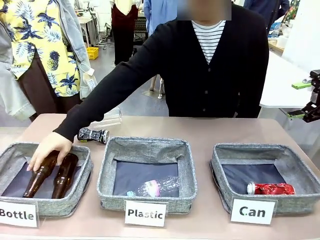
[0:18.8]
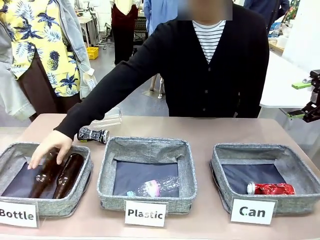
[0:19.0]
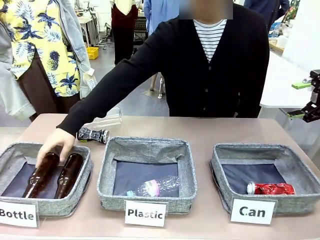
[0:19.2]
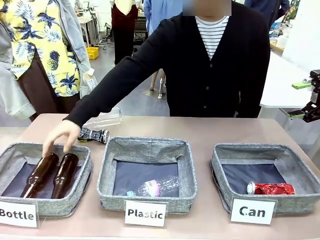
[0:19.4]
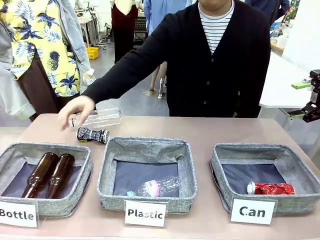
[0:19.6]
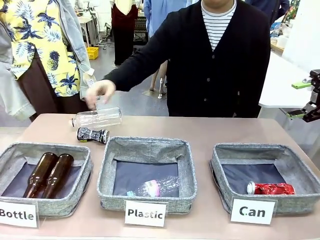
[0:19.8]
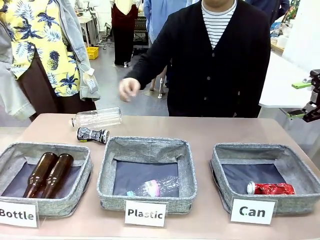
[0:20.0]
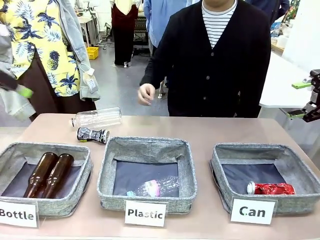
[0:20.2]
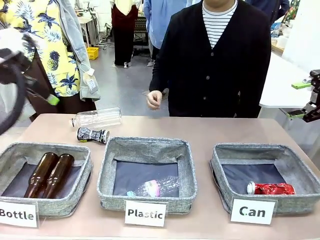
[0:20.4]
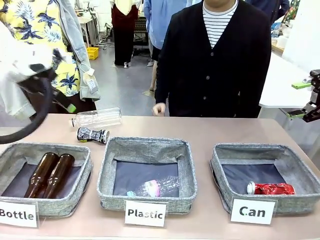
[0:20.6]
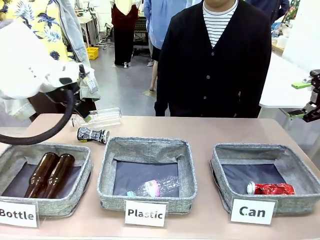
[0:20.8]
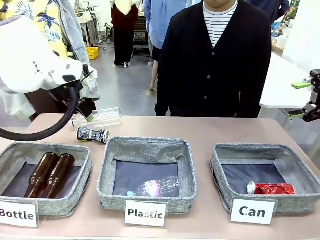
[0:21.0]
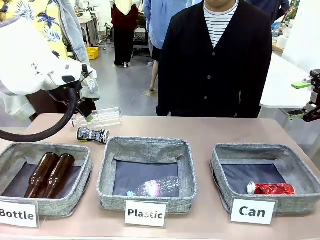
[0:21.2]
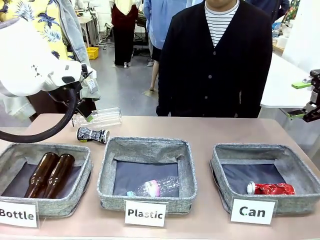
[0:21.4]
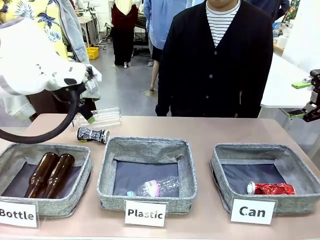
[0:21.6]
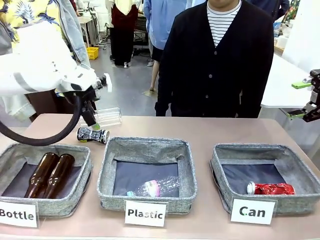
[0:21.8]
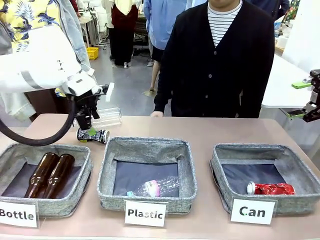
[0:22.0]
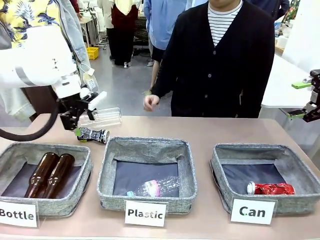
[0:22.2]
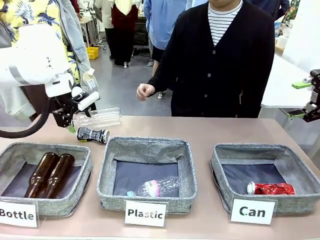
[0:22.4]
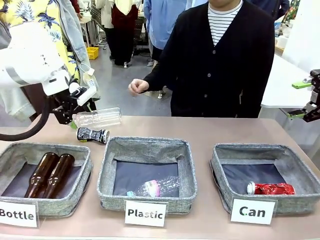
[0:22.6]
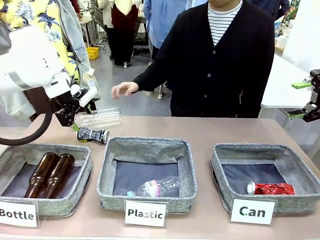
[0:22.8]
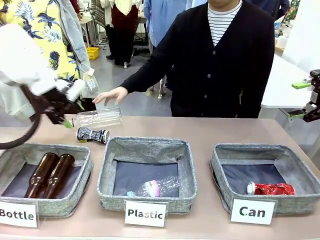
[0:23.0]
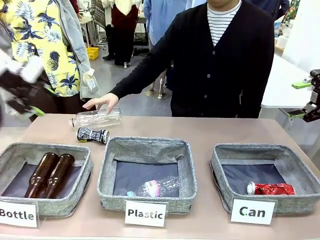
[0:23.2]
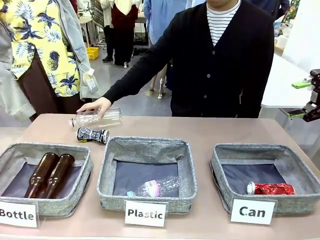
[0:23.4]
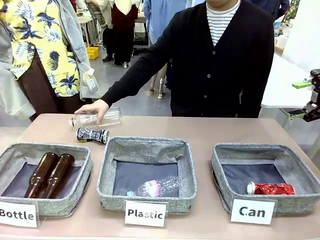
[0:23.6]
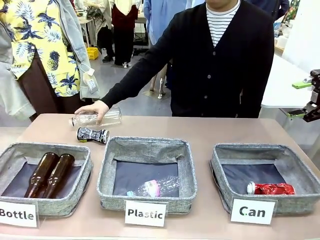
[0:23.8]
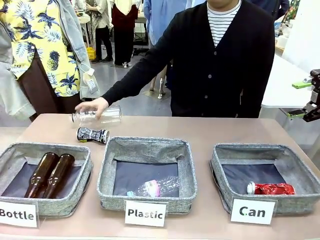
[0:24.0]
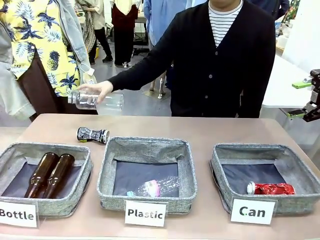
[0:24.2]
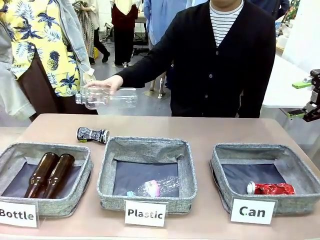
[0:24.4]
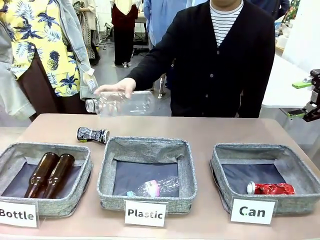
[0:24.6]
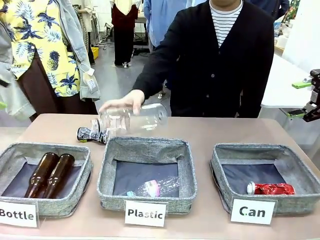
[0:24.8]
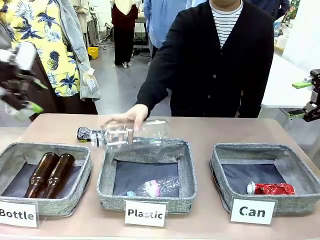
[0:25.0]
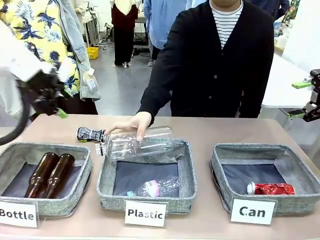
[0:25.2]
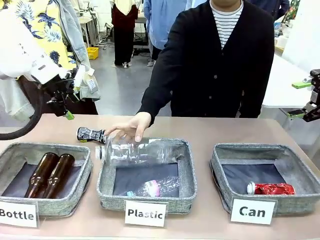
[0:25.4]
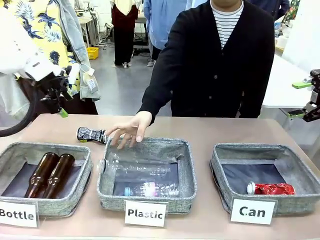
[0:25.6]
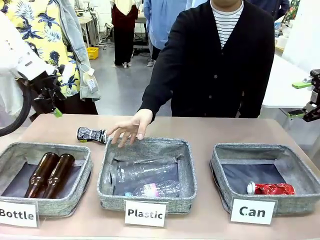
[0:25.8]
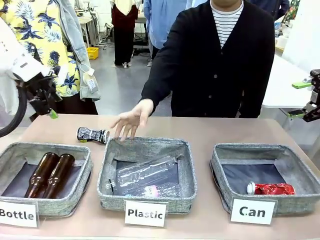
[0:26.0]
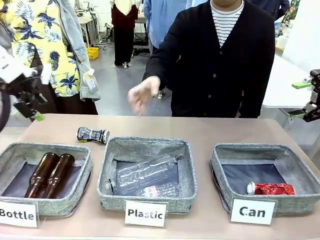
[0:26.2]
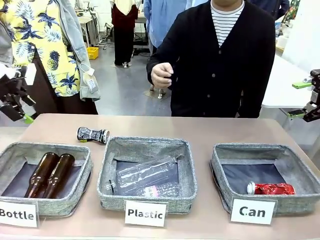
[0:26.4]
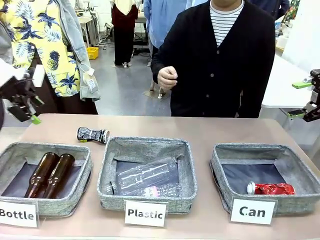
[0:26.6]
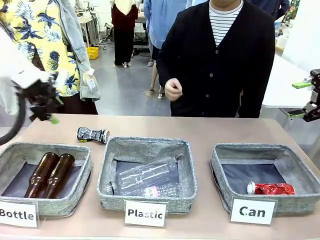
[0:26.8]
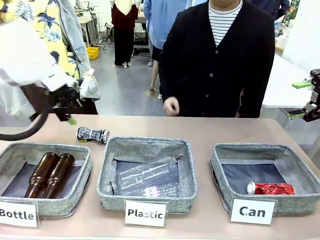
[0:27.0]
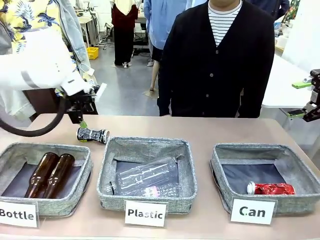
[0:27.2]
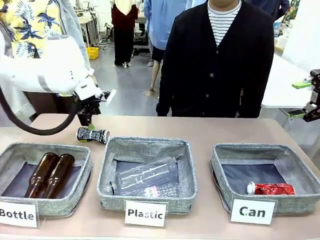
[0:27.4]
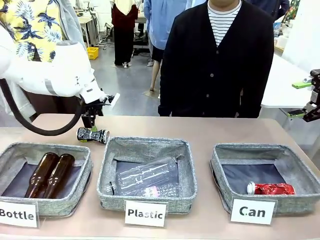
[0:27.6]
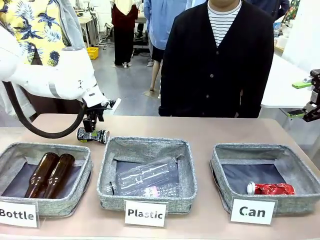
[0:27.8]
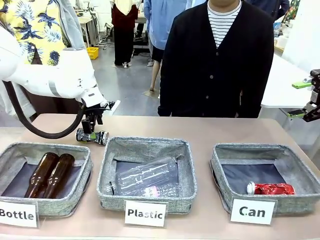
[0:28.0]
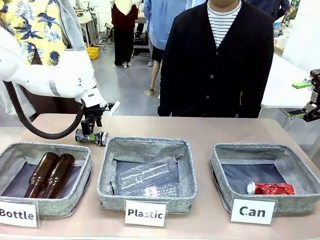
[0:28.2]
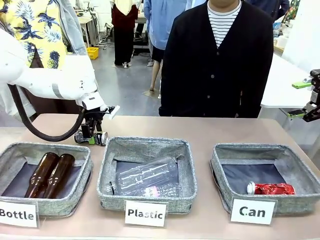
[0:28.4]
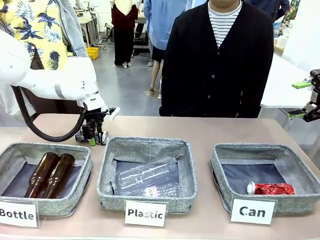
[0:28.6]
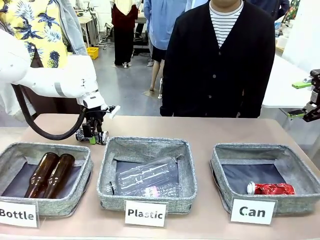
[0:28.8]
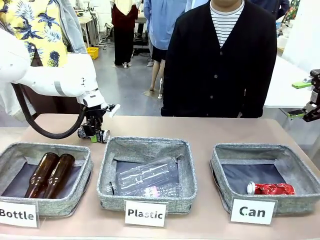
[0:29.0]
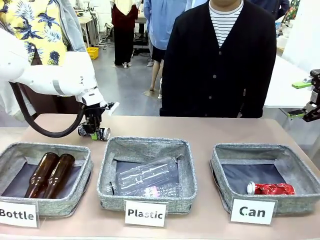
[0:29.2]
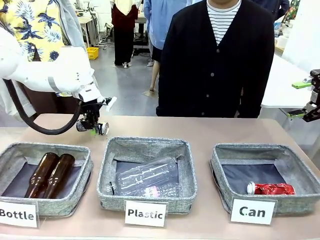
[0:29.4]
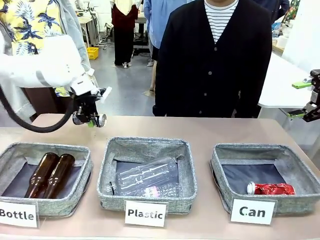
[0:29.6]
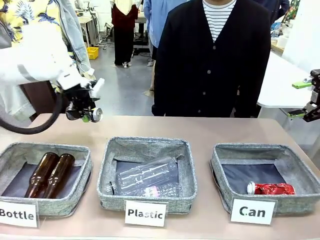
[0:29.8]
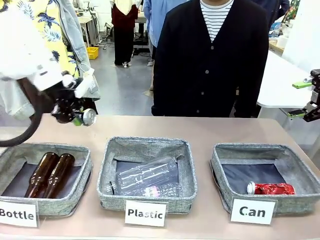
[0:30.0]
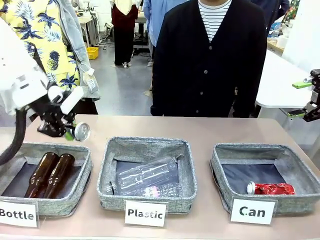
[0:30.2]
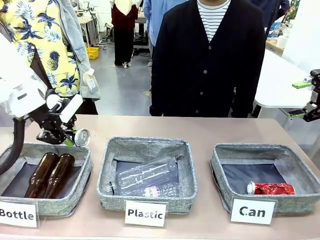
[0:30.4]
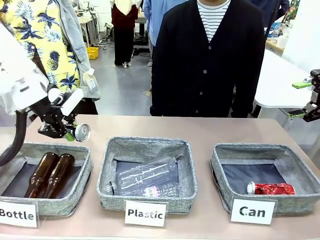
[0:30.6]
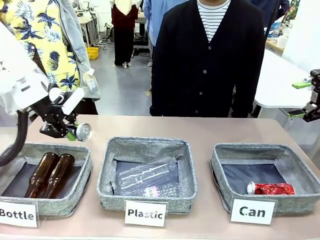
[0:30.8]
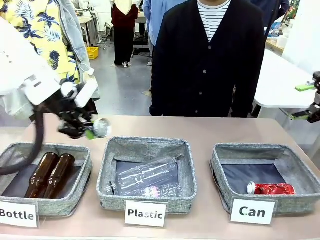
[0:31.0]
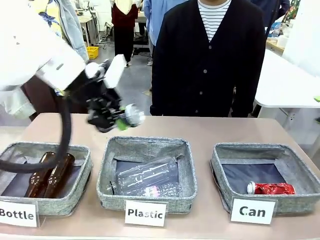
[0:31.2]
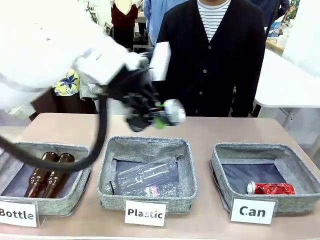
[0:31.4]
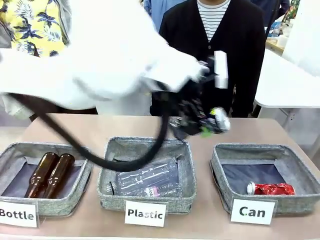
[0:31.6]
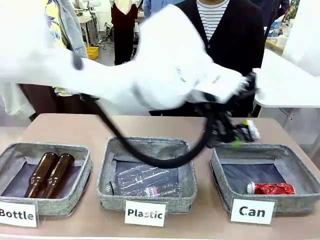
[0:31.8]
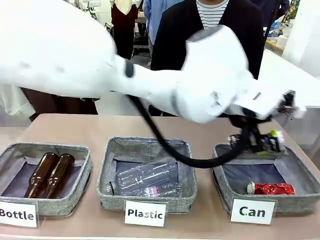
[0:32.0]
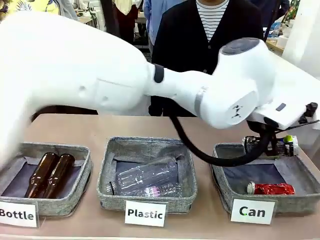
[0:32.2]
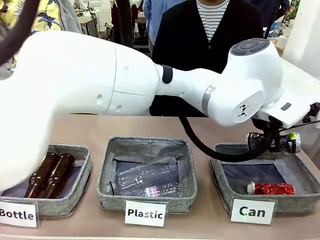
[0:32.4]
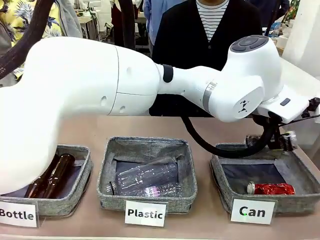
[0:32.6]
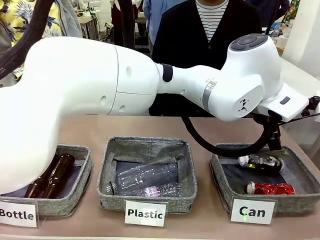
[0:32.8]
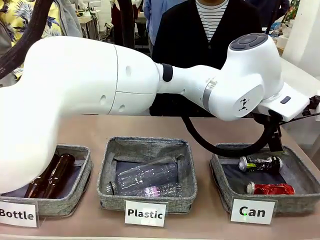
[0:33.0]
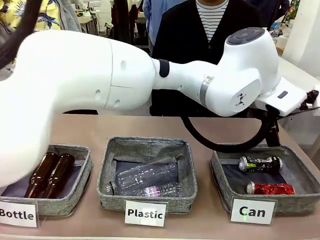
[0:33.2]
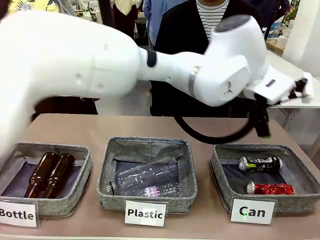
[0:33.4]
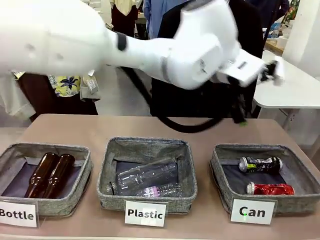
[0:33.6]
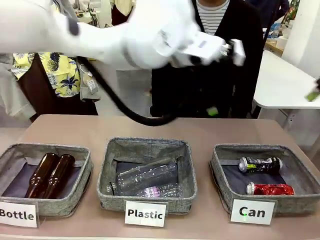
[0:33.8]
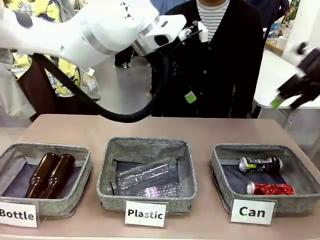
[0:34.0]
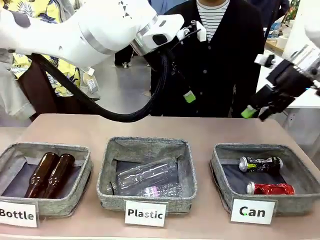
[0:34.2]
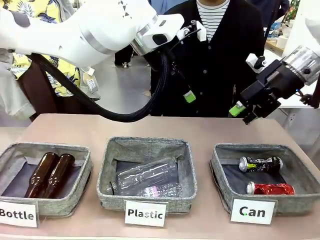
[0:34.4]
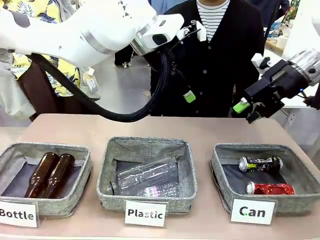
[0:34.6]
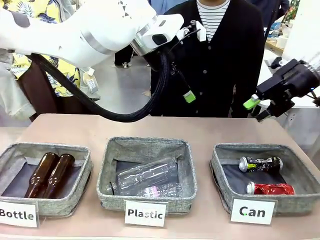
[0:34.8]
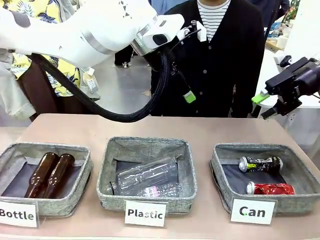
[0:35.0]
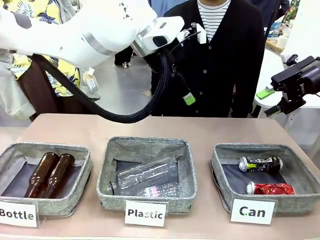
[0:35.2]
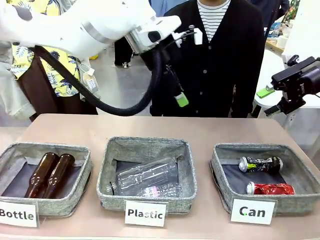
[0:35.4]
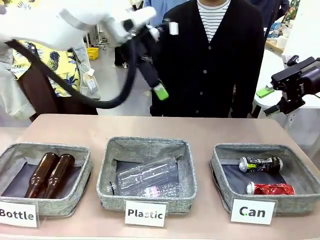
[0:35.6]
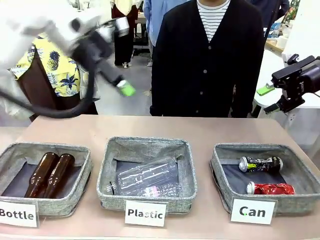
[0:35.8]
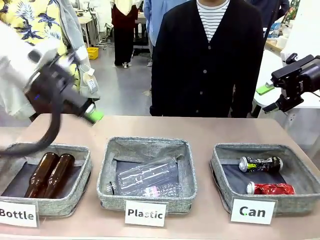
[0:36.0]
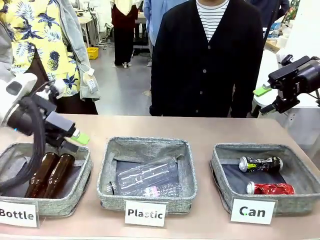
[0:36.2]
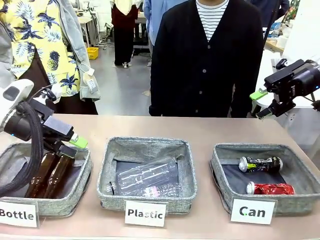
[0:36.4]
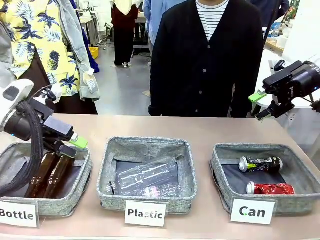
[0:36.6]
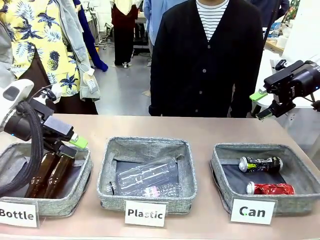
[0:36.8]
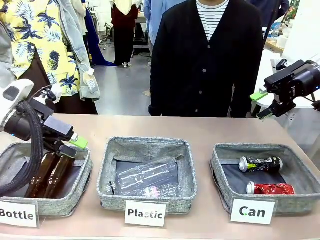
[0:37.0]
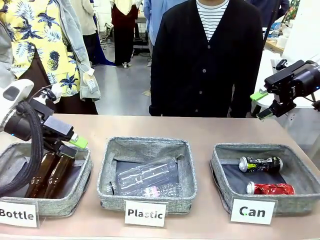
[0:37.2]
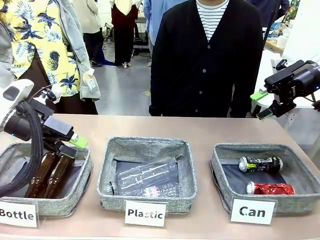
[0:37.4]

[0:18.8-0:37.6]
Task: Sort the can waste into the basket.
Robot: Pick up the can waste from the table and place it in the right Fabric basket.
